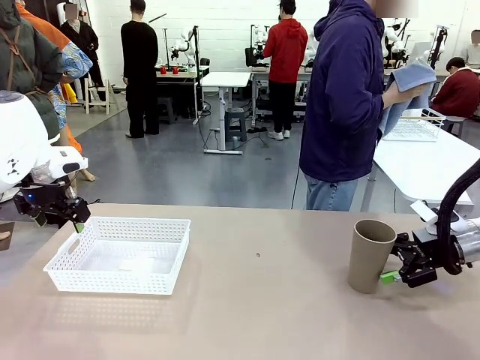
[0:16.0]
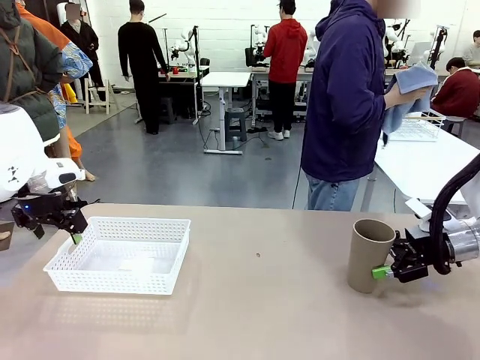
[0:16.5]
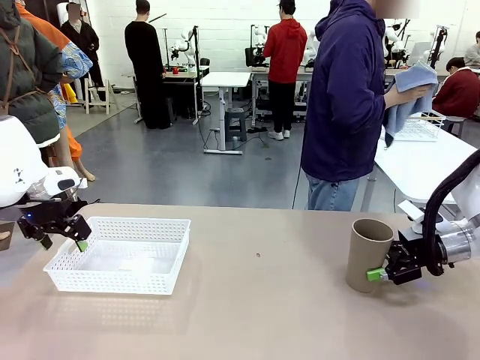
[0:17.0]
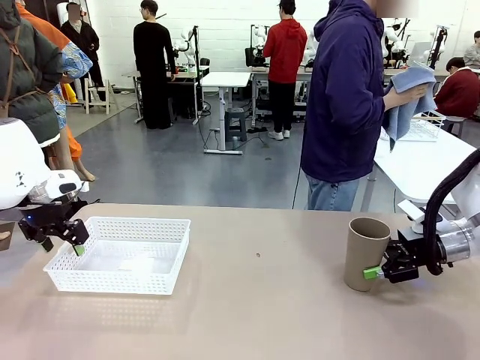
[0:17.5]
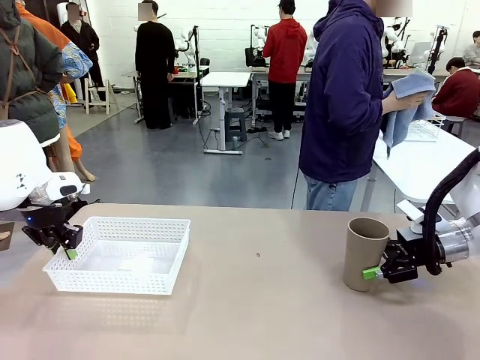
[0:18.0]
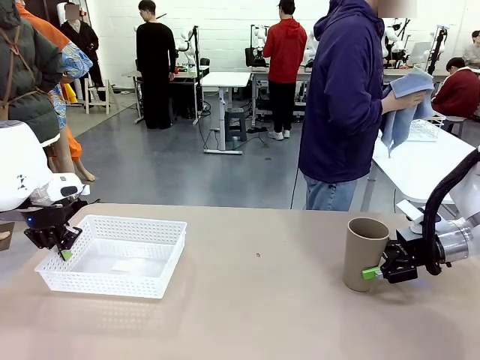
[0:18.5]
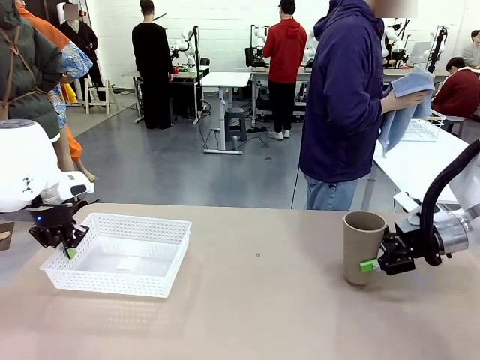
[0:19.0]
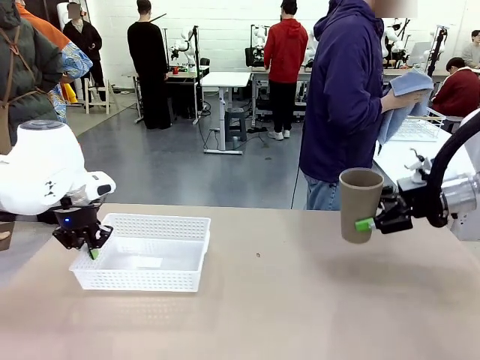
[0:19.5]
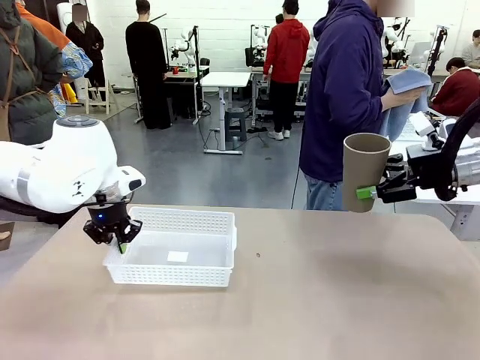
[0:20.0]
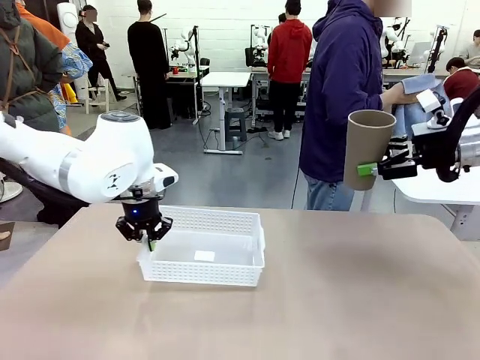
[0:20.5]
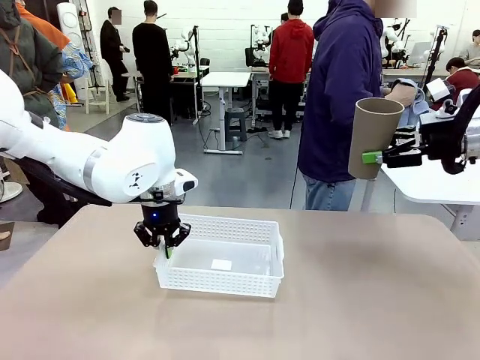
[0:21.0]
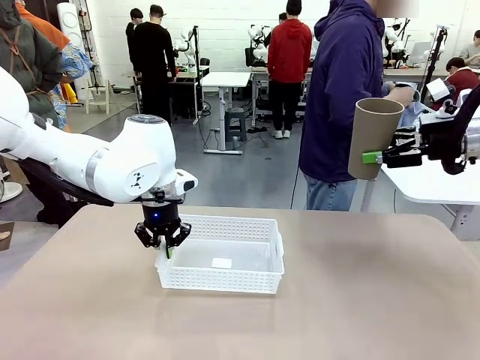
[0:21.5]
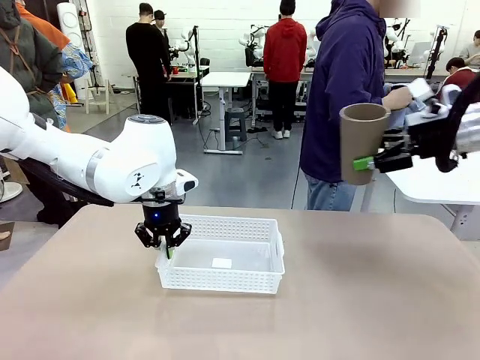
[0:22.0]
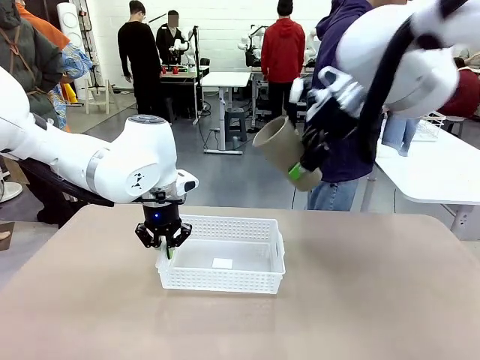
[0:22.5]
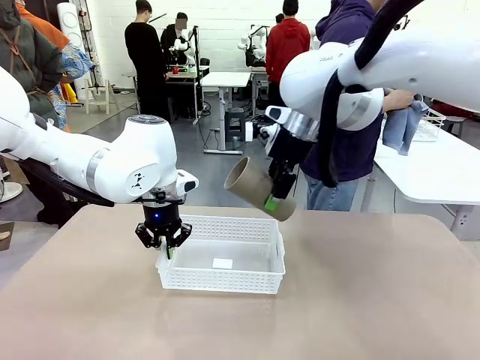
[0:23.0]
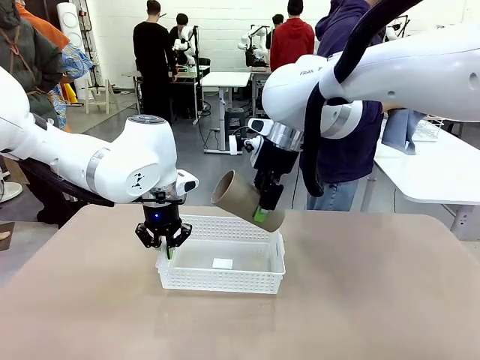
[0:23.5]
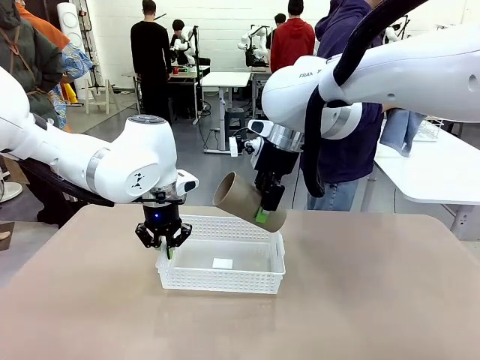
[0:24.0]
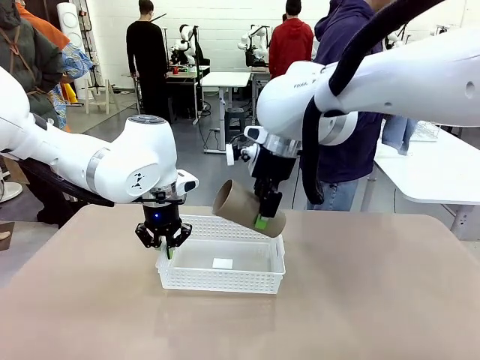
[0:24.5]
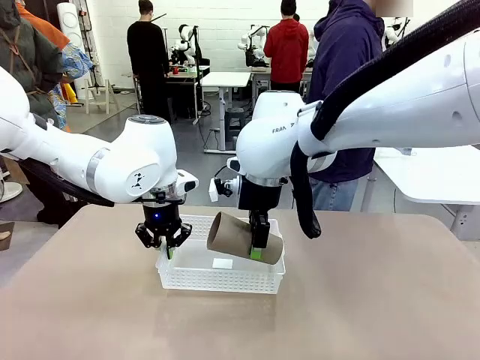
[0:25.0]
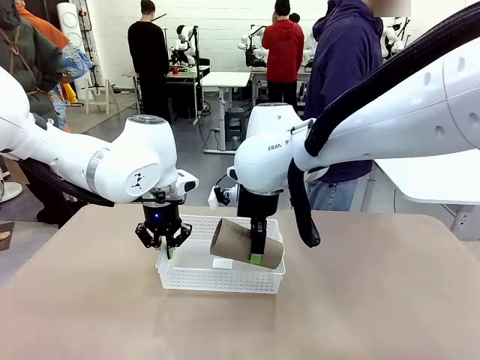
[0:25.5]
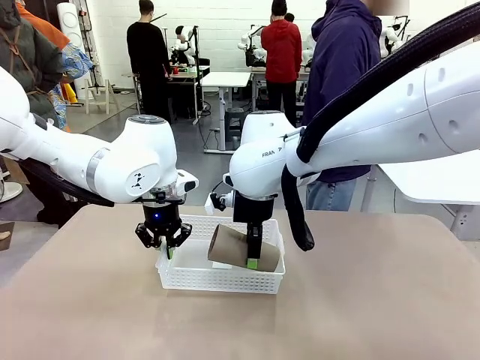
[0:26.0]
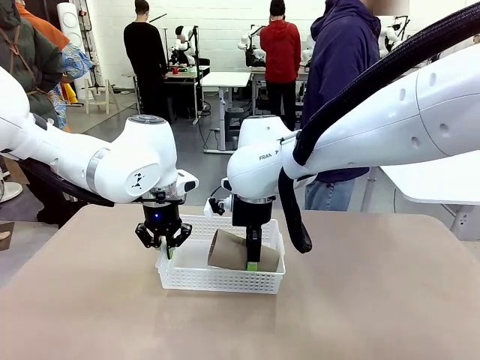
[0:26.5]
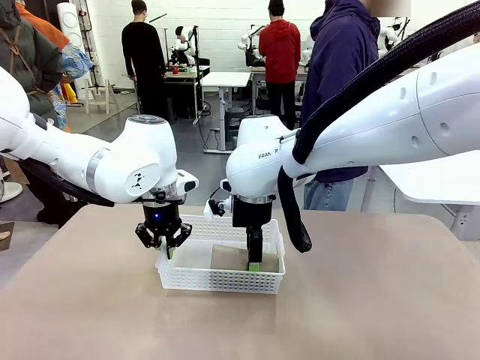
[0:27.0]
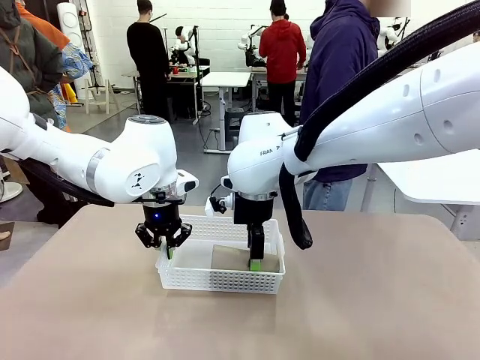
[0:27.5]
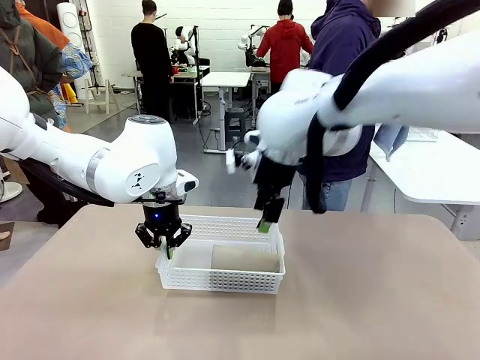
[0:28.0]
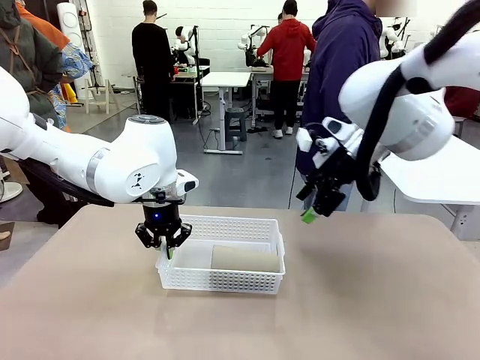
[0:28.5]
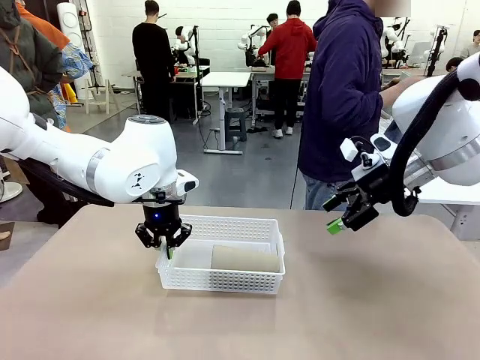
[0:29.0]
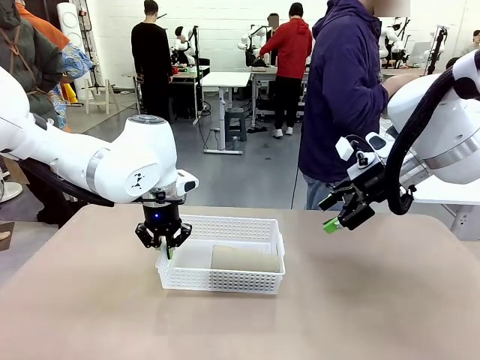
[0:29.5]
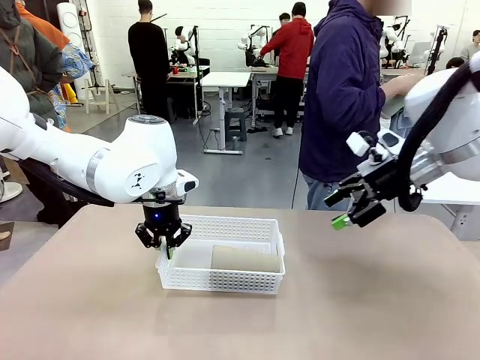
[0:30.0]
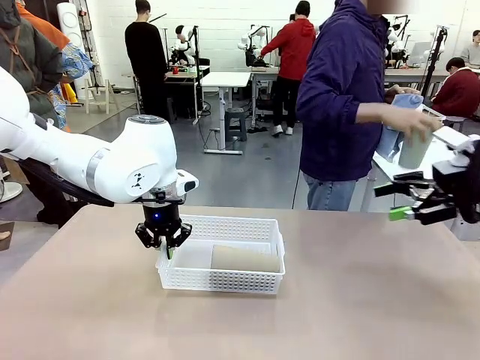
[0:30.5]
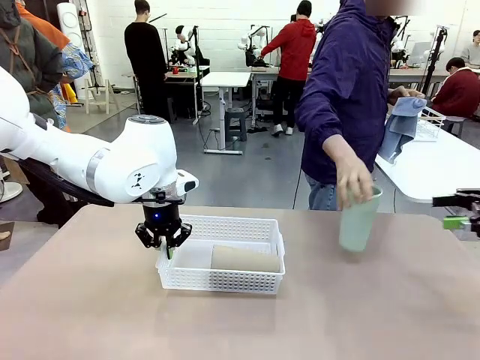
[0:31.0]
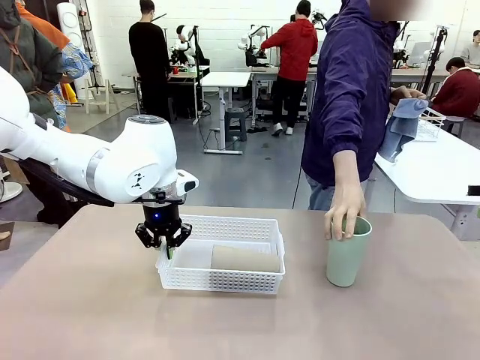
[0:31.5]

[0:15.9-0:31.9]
Task: Clean and organize the cups into the basket.
Robot: Pick up the Organizing basket and move it to the center of the table, then pick up the Reusable plastic cup from the right side of the table and place it inside the Organizing basket.

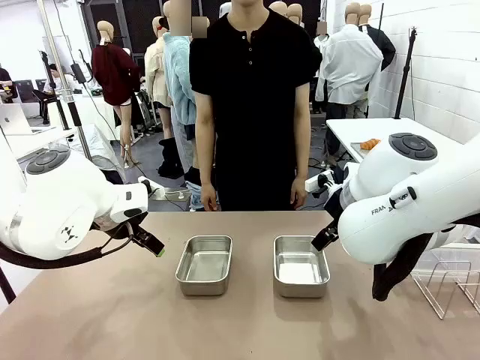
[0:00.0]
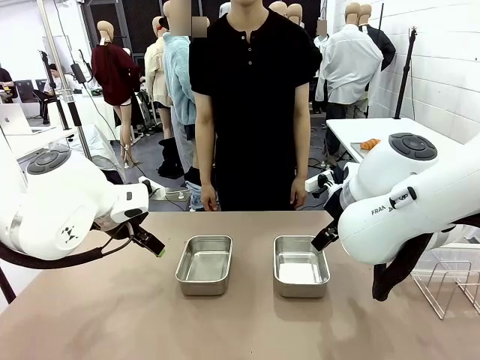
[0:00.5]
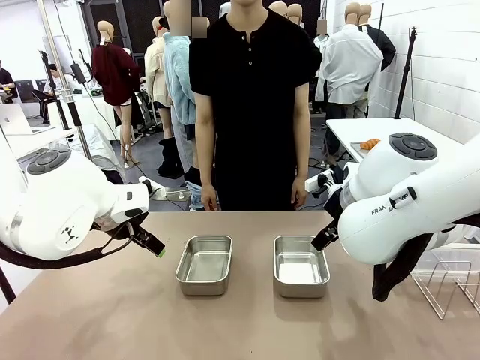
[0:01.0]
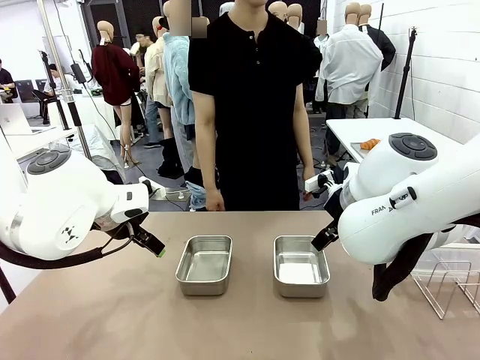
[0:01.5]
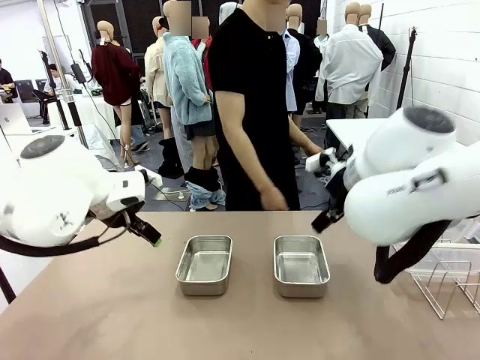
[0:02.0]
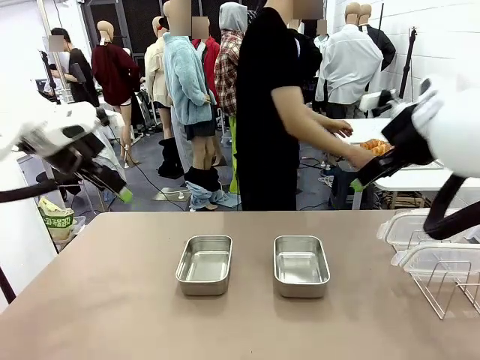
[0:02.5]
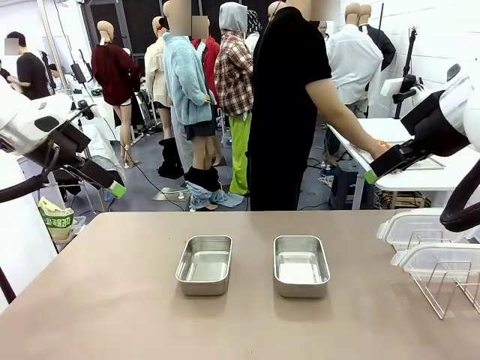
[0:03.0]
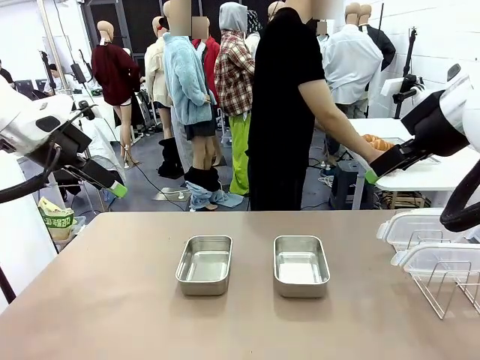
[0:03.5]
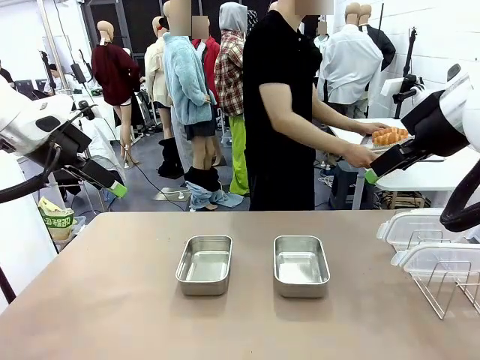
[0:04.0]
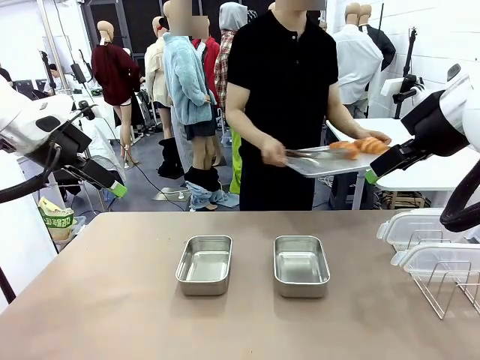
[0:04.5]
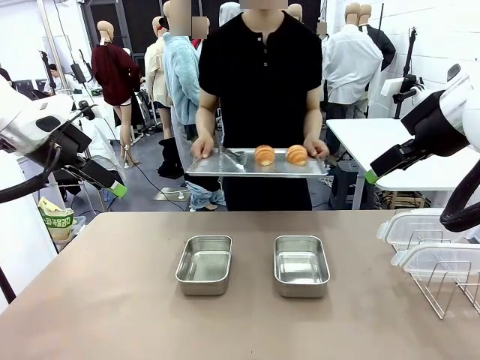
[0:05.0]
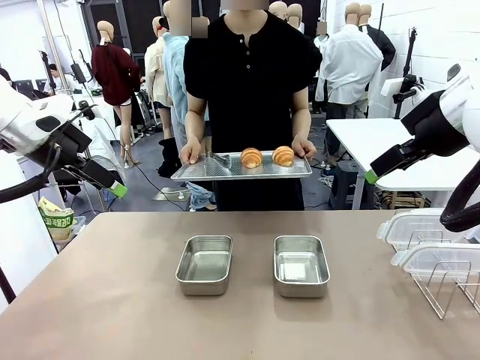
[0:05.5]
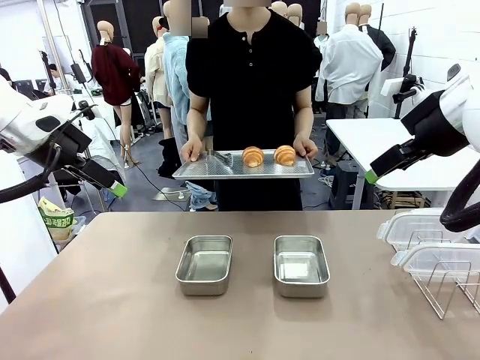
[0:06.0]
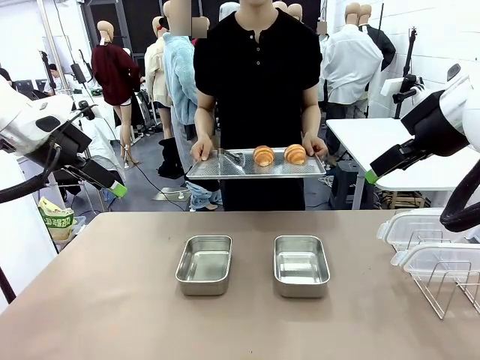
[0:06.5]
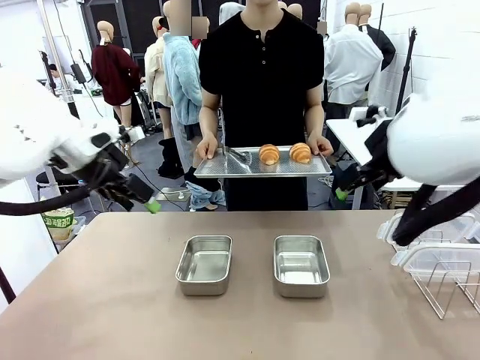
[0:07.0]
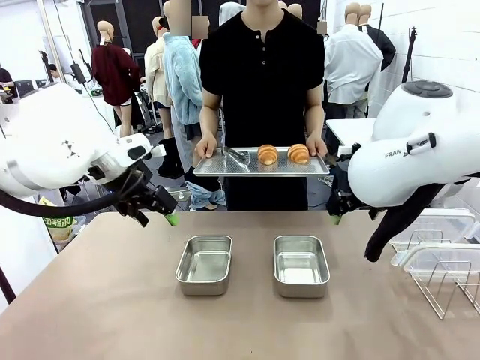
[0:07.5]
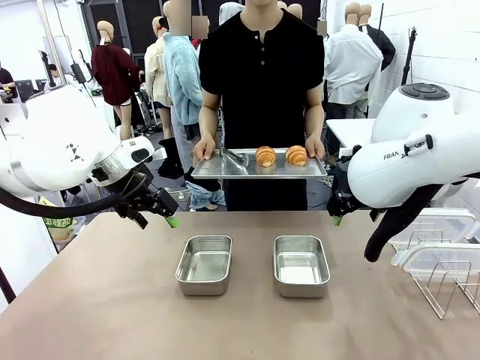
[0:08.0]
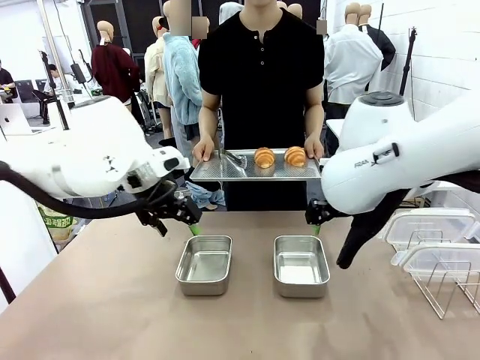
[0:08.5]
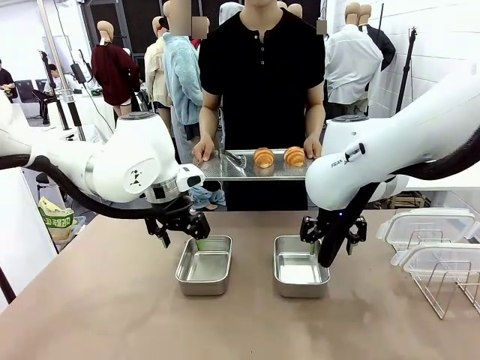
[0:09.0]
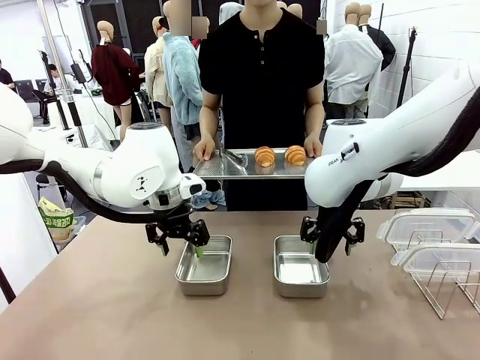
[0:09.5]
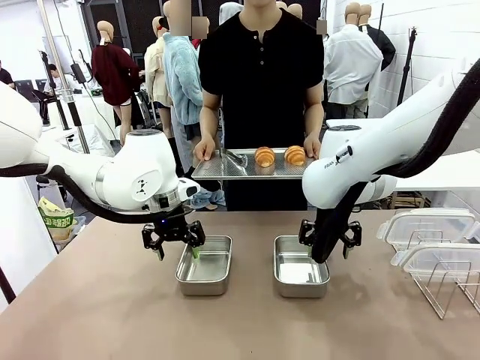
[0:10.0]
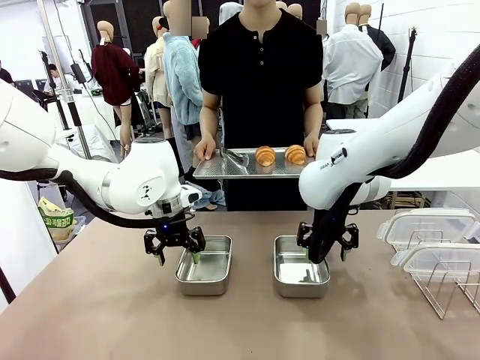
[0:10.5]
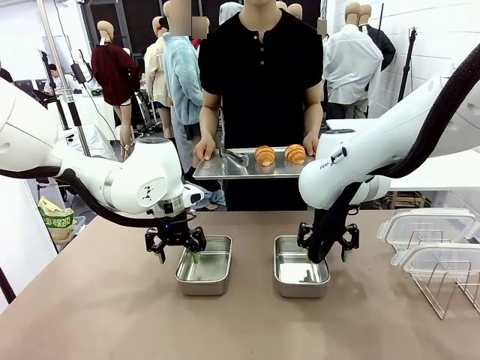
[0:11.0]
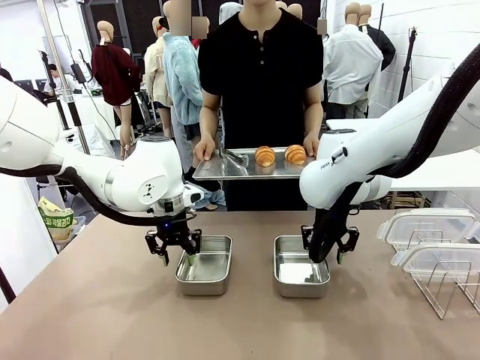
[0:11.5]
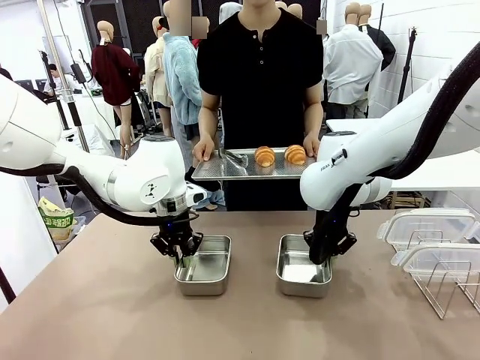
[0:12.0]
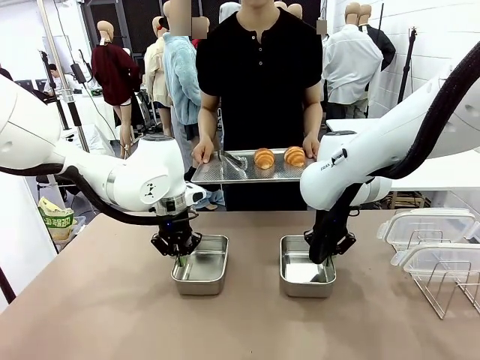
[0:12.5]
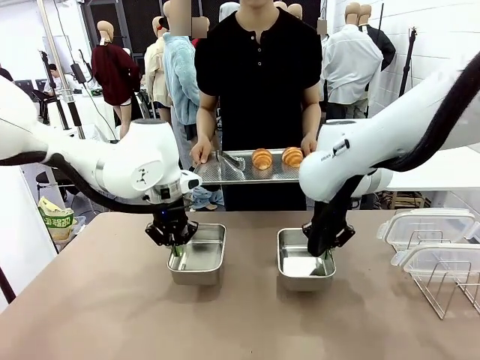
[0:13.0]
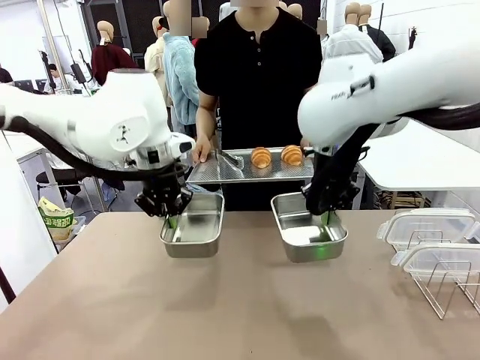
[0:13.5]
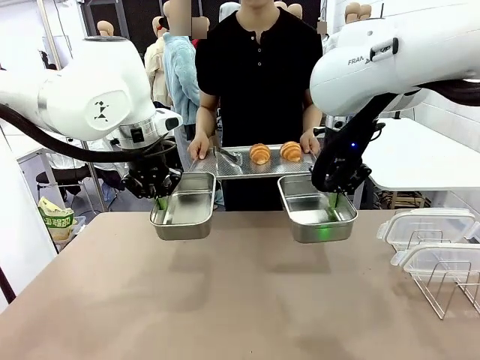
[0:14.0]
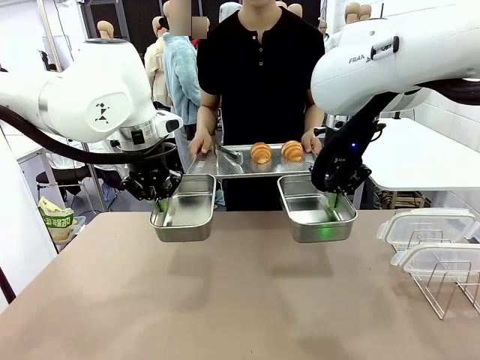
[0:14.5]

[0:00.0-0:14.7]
Task: Place the bread in airtight containers.
Robot: Lift both Airtight Container.
Person: Bring the Baking Sheet in front of Robot's Table.
